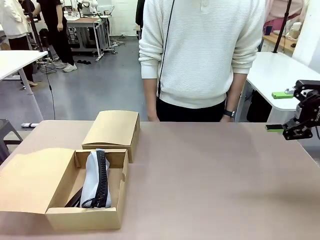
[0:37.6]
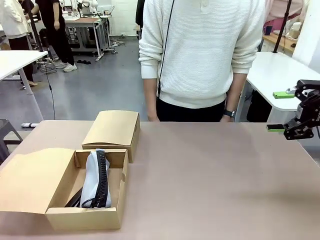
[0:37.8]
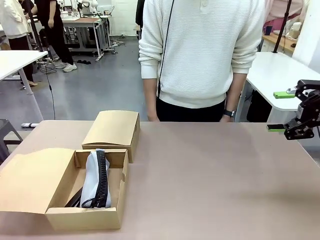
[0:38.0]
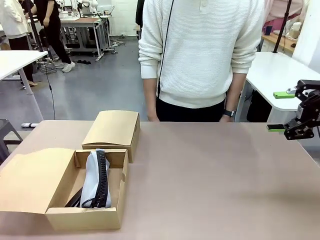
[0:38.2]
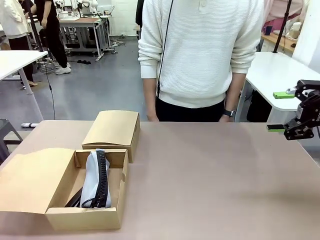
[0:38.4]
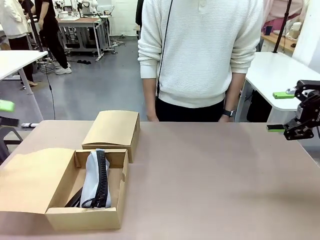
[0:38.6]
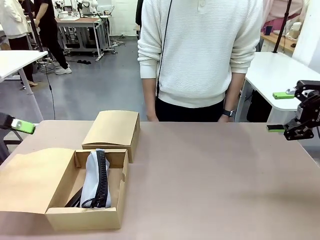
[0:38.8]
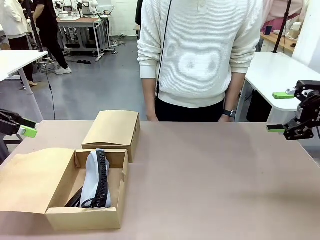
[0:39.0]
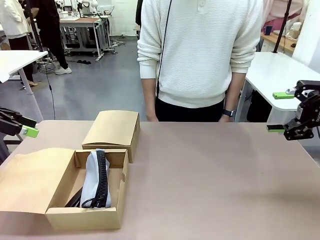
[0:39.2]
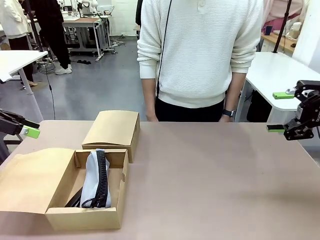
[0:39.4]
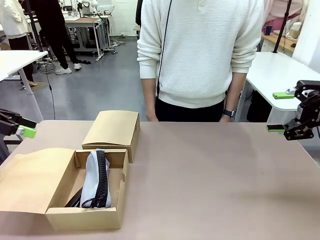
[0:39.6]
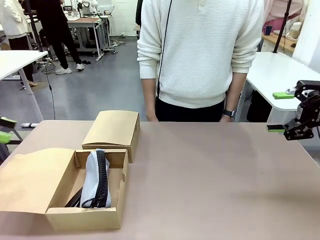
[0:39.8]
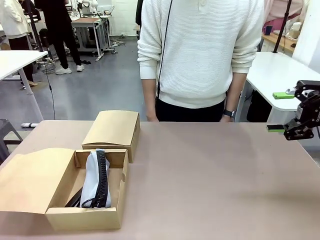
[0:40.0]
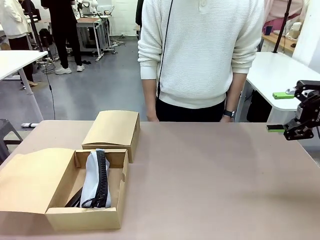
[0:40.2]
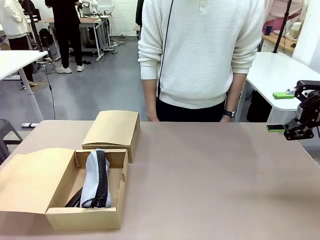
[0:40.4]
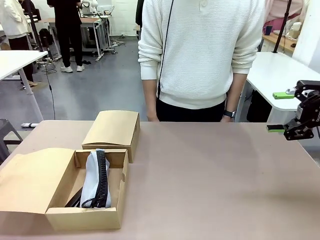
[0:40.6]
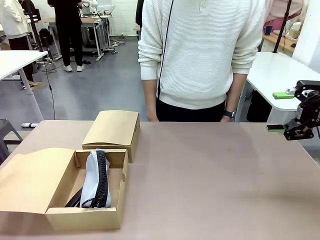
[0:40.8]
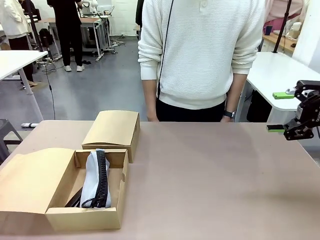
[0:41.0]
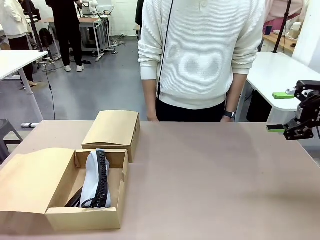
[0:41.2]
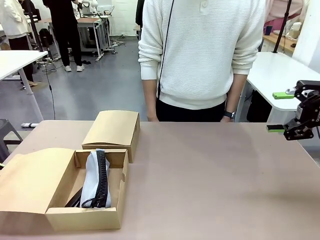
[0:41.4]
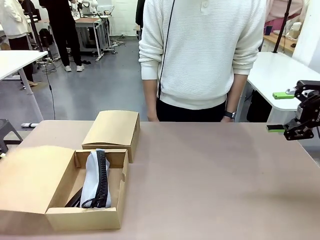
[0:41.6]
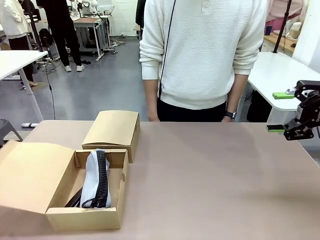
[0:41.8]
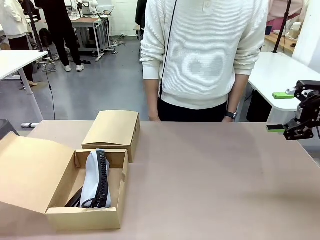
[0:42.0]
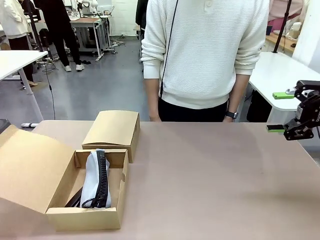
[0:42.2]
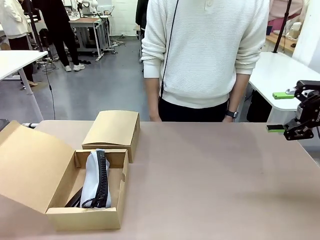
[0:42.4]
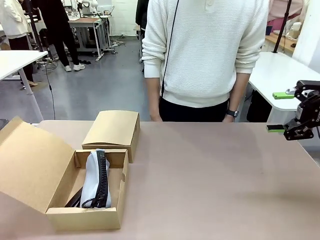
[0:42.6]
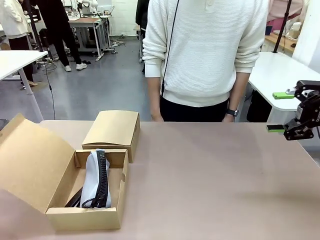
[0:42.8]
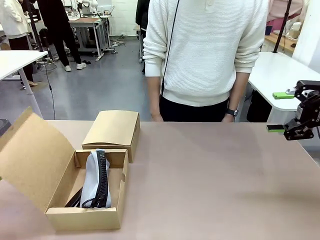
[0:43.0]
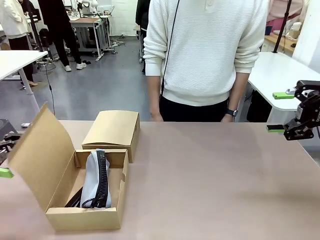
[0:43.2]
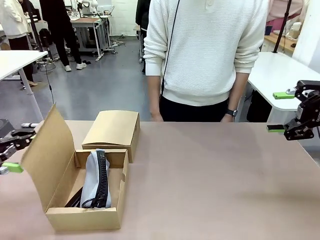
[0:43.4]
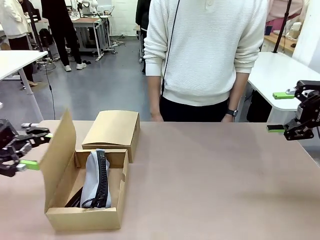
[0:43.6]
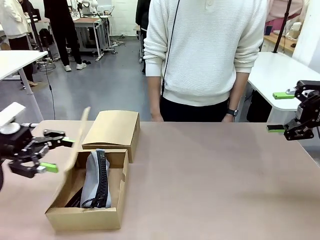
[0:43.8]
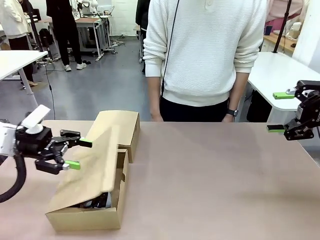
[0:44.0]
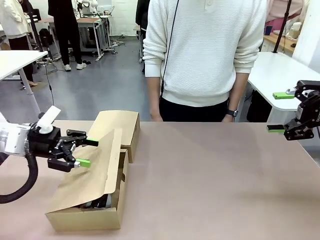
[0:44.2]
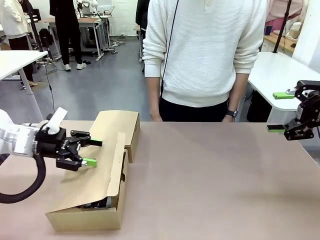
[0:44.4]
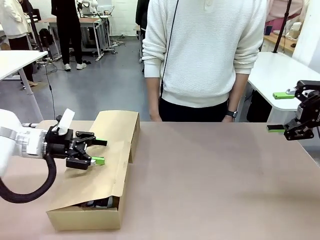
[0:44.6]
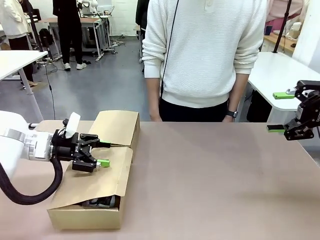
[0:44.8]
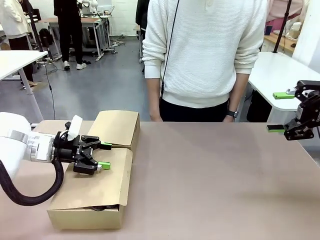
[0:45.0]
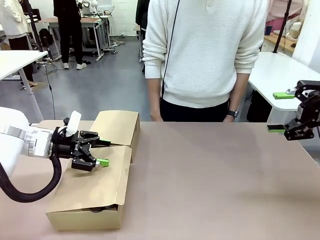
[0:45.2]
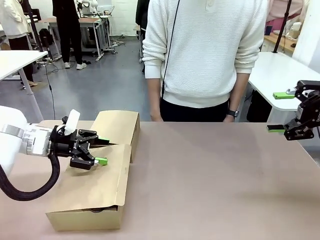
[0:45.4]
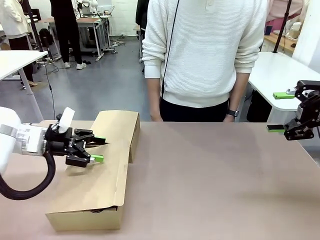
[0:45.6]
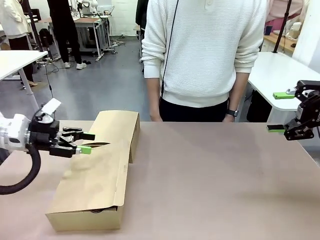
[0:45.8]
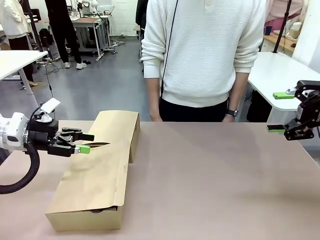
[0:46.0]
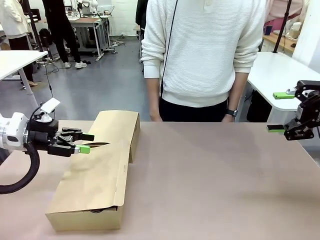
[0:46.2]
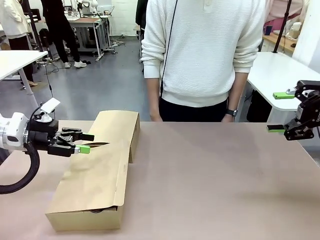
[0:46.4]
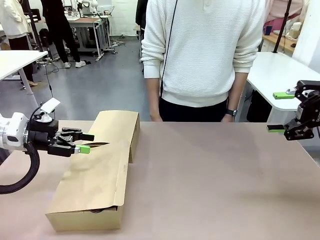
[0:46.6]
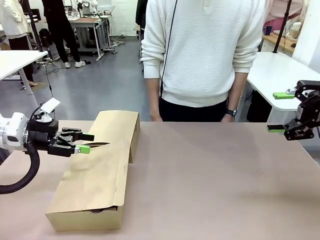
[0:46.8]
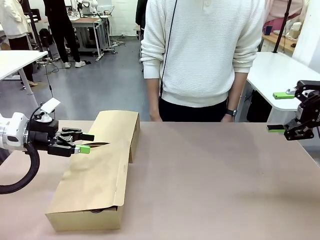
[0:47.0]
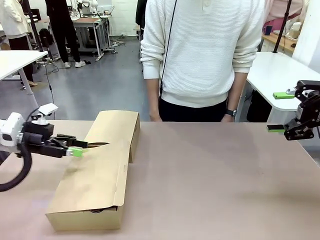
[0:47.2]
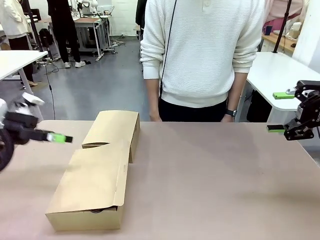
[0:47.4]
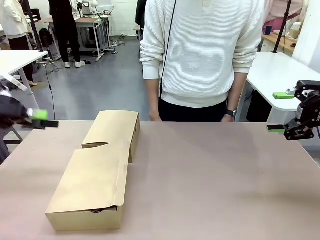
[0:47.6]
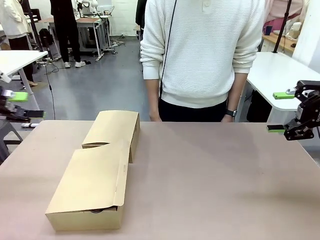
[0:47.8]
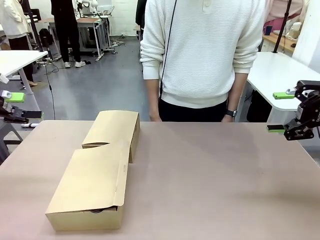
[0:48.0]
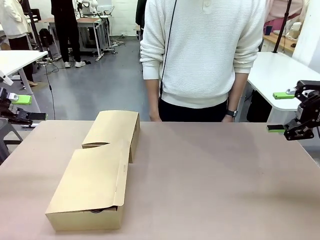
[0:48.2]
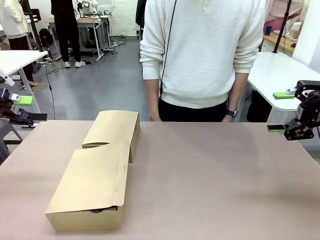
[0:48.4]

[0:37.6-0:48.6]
Task: Place items inside the box.
Robot: Close the lid of the Mailer Box closest to the robot.

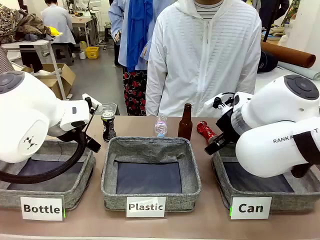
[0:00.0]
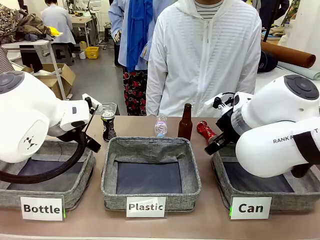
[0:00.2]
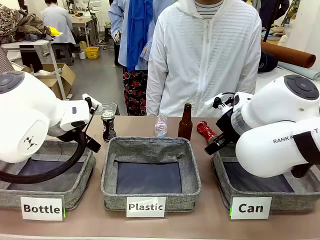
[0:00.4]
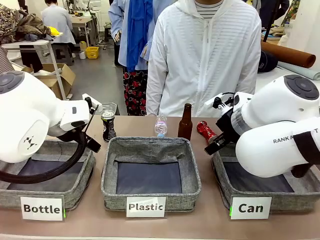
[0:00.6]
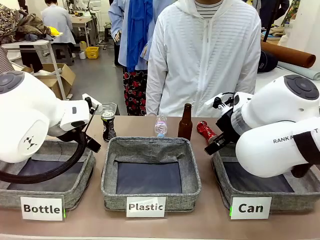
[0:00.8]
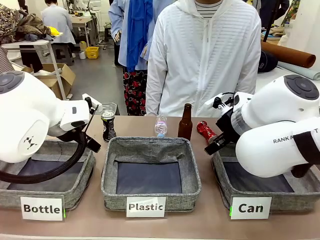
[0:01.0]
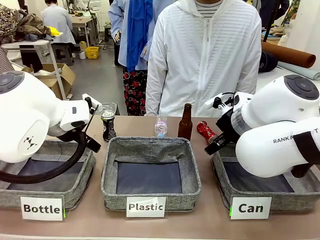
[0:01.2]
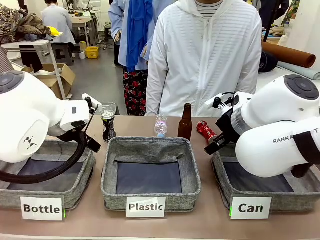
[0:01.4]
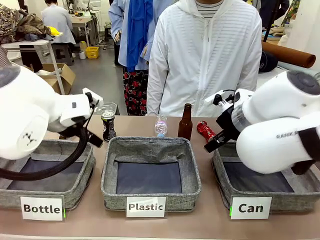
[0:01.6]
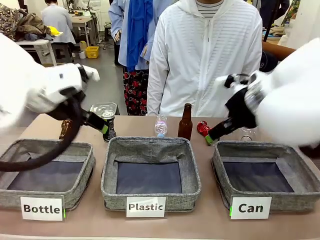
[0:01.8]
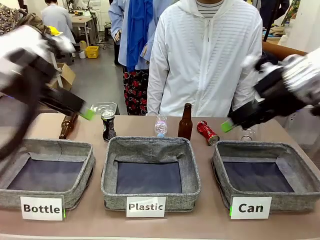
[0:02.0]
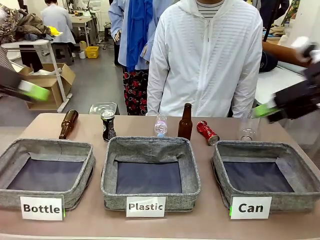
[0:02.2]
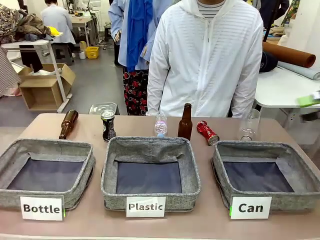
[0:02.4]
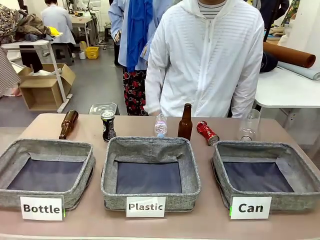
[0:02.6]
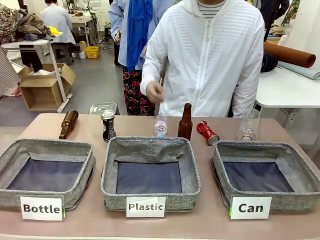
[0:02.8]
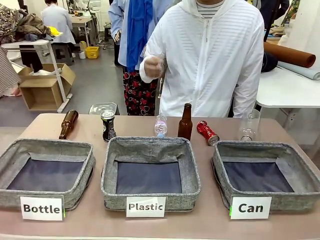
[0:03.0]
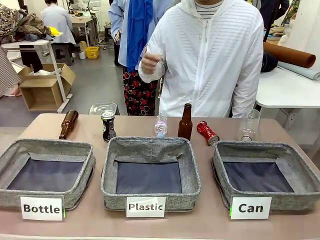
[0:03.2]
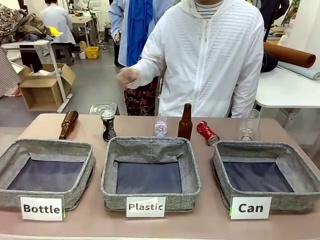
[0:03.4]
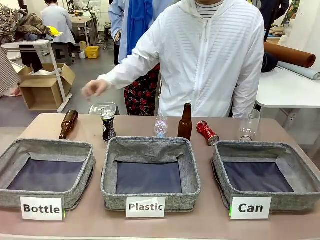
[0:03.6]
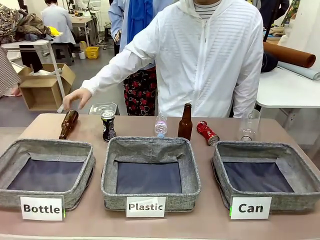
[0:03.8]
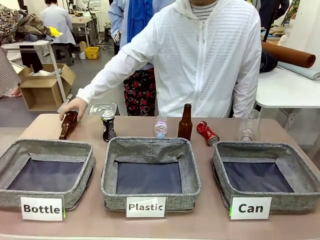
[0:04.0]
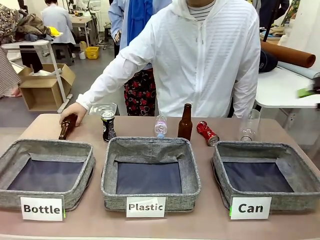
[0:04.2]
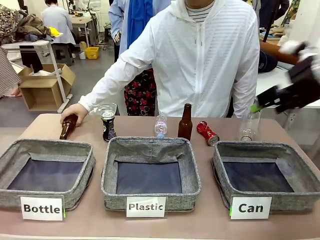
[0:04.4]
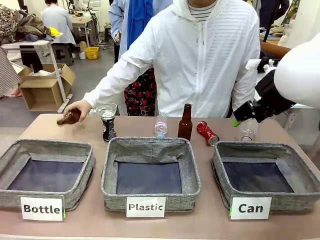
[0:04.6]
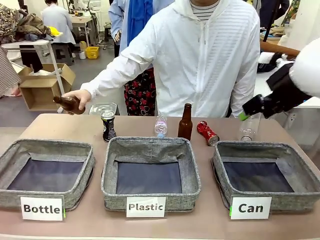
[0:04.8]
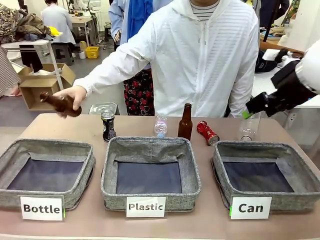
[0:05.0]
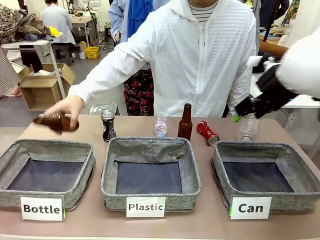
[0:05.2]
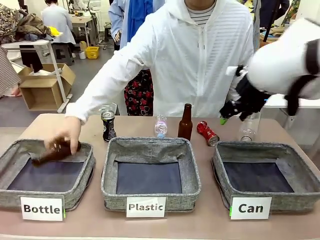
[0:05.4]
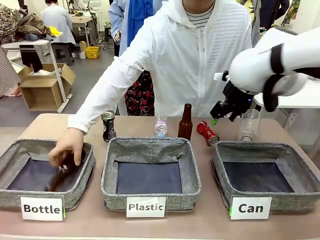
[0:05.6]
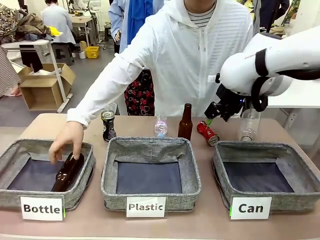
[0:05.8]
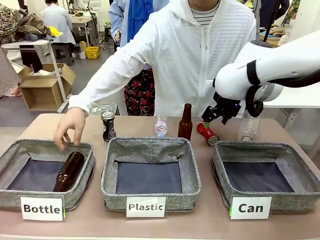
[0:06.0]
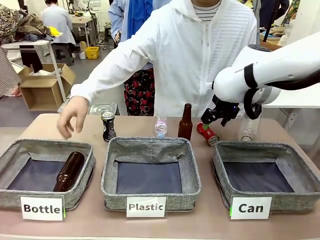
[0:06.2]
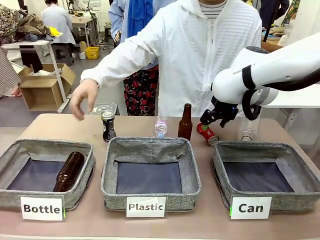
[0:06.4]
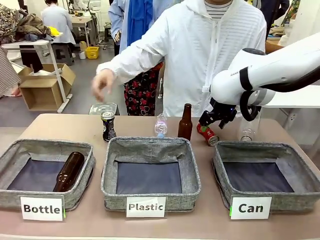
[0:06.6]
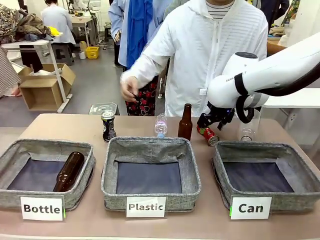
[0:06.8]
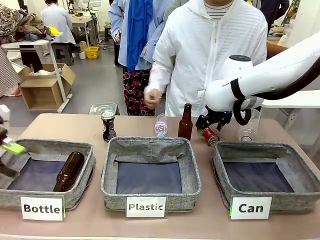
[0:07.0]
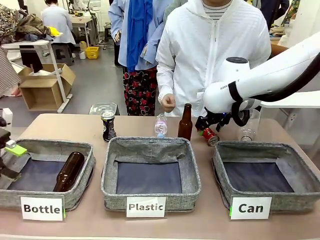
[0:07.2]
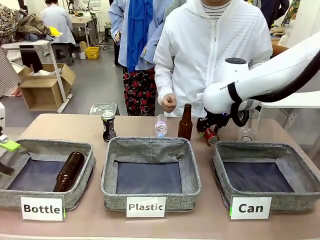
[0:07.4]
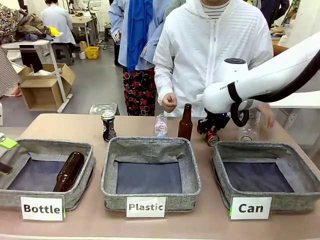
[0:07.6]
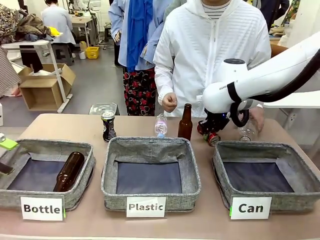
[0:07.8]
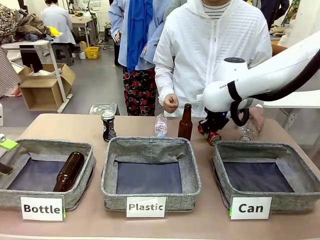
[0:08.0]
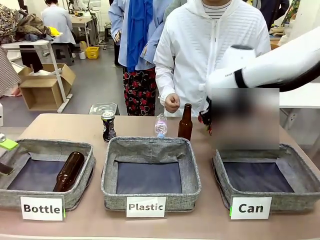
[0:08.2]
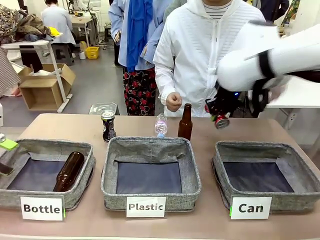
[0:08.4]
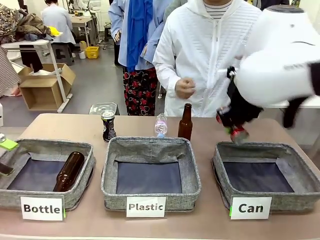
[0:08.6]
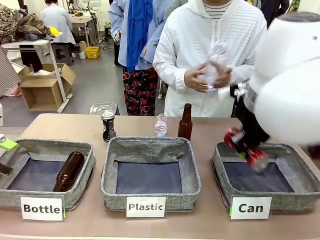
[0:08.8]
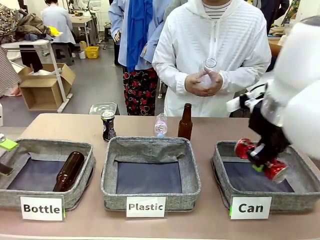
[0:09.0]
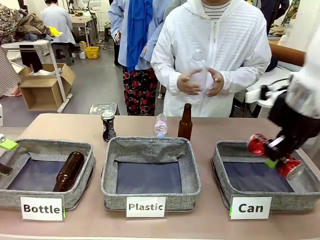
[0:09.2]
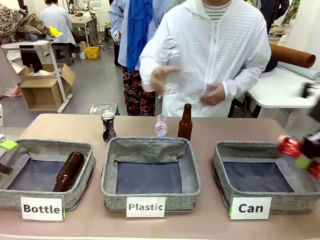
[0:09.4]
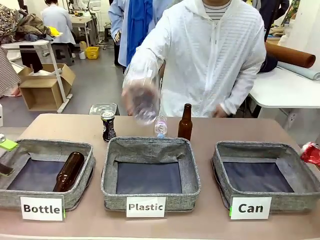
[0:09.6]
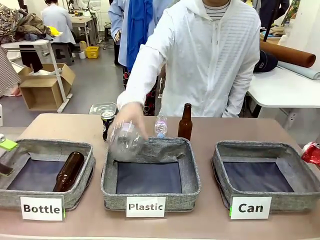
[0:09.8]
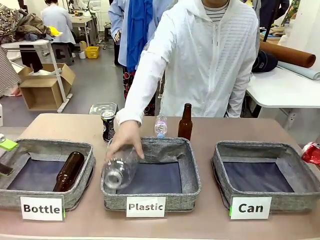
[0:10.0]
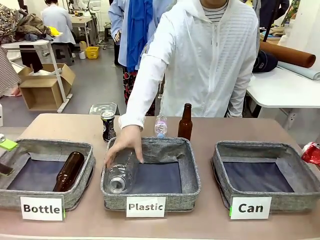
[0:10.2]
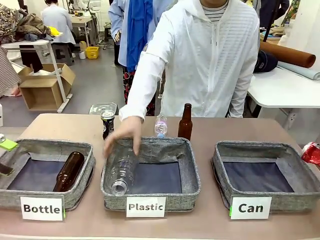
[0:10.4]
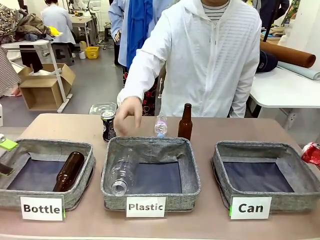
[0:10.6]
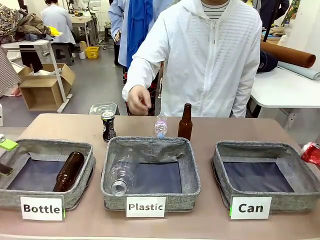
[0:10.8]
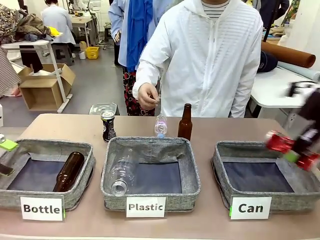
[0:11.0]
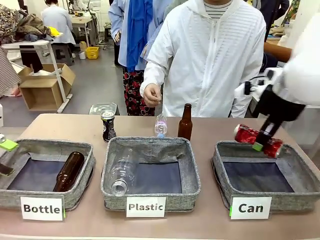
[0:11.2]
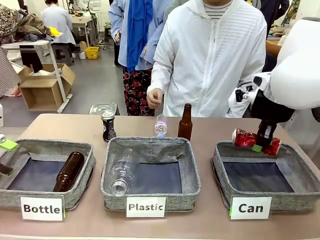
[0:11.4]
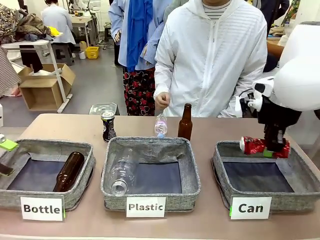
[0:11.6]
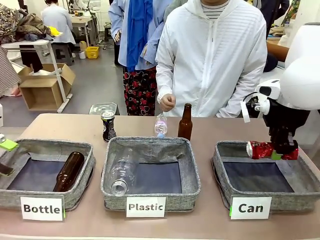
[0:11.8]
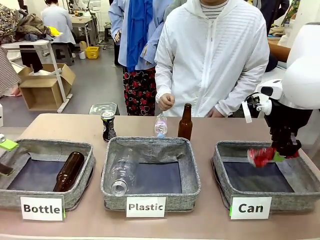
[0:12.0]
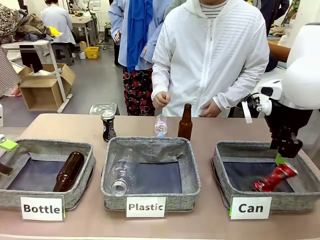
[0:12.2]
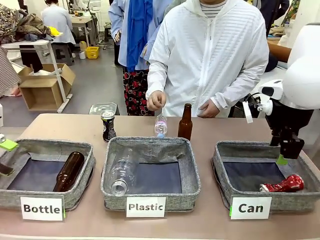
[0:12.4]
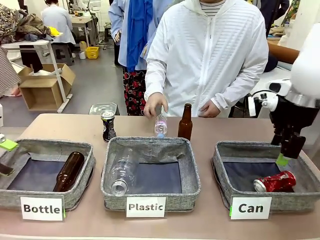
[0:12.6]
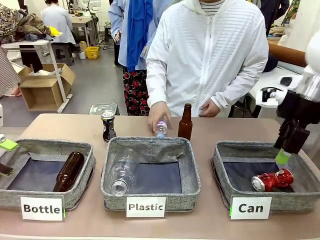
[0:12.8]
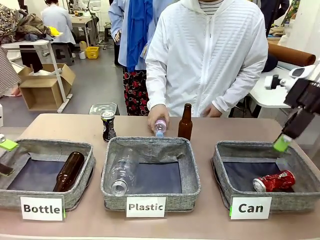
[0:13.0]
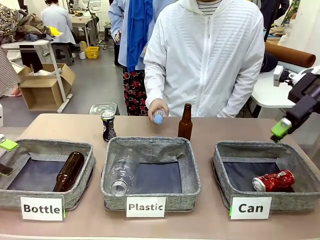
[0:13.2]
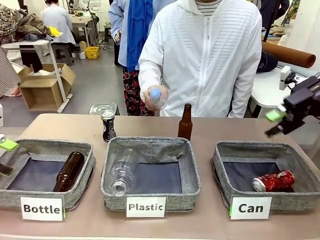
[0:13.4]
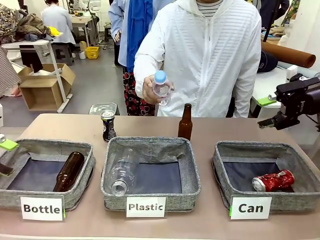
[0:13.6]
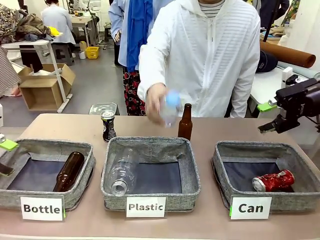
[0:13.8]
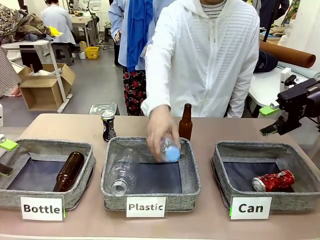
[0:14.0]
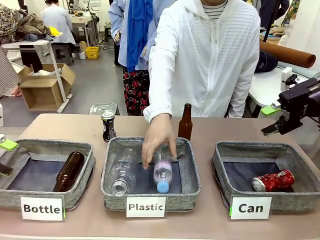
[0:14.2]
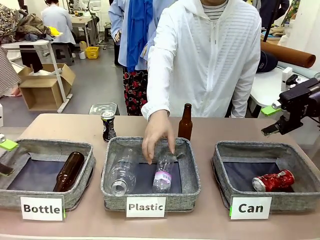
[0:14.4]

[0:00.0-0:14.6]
Task: Sort the can waste into the basket.
Robot: Pick up the can waste from the table and place it in the right Fabric basket.
